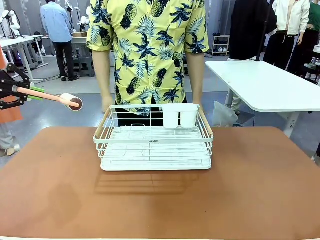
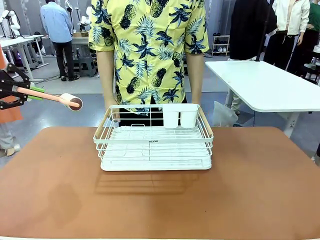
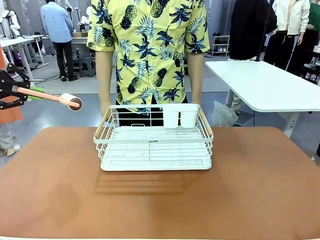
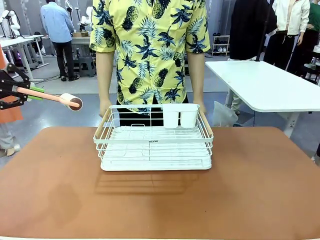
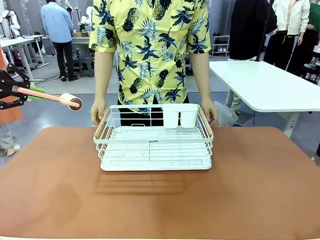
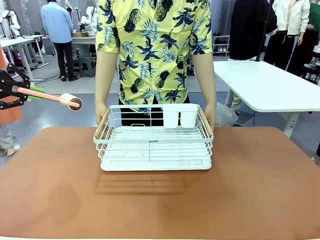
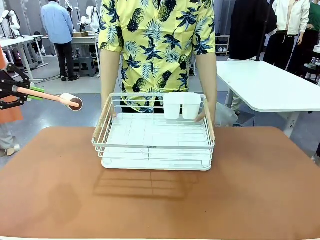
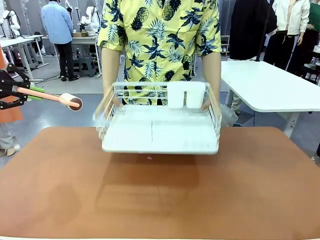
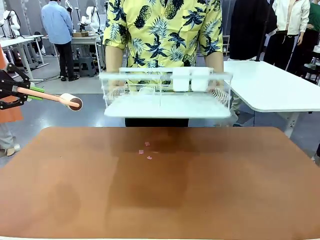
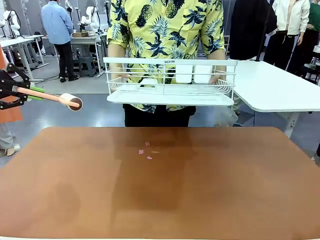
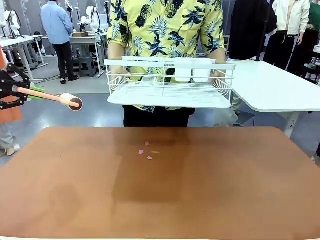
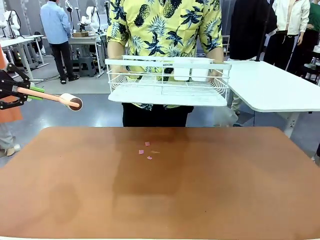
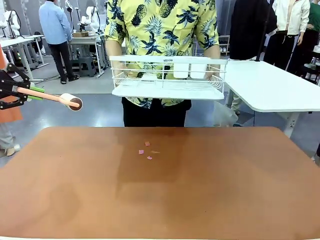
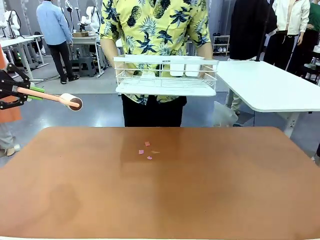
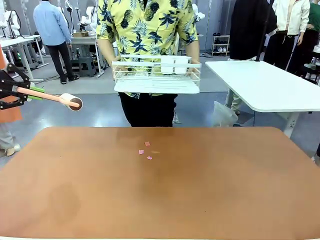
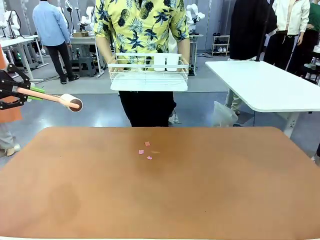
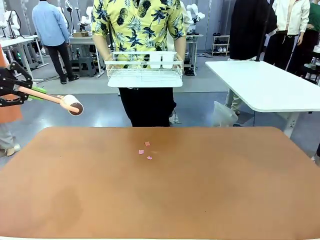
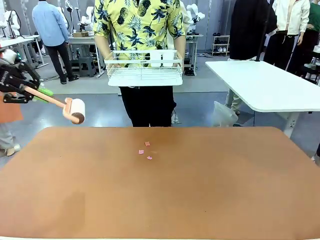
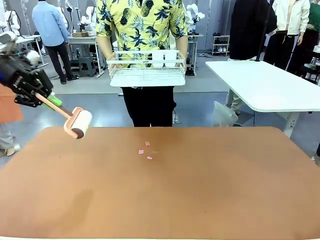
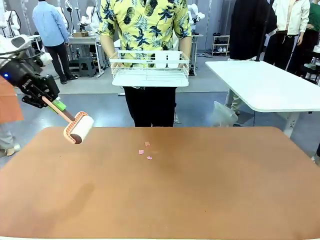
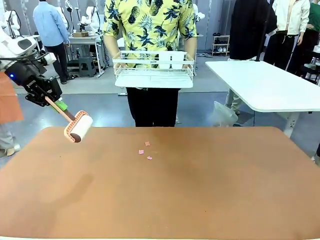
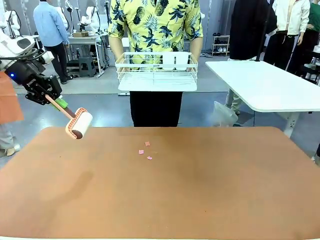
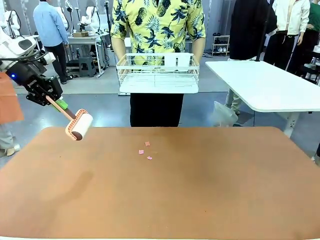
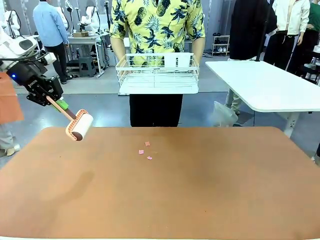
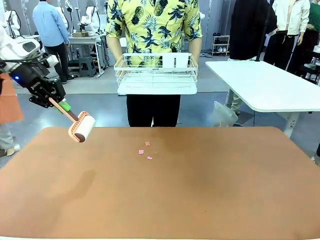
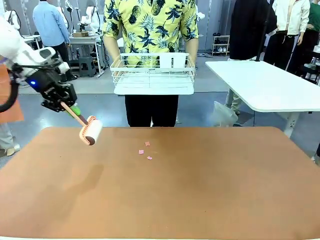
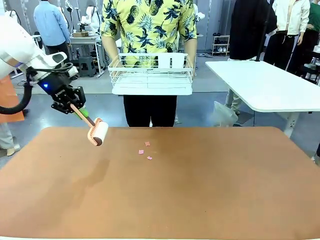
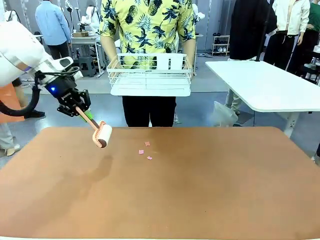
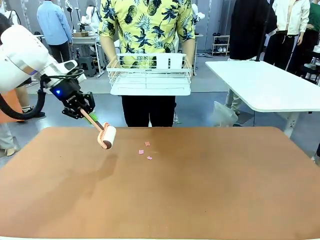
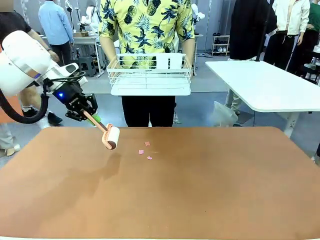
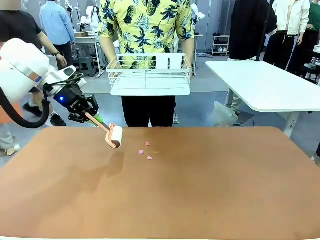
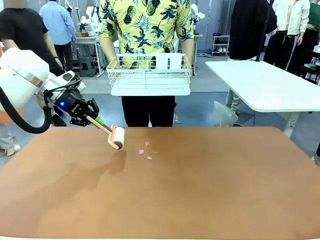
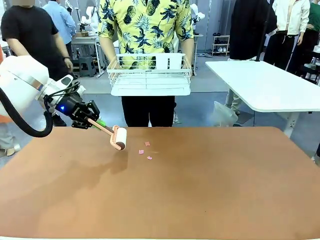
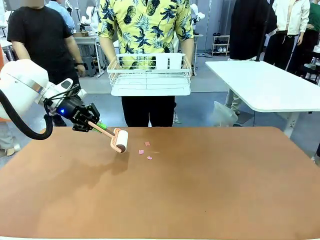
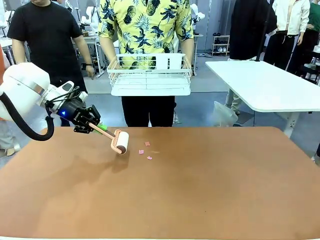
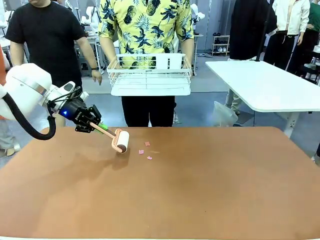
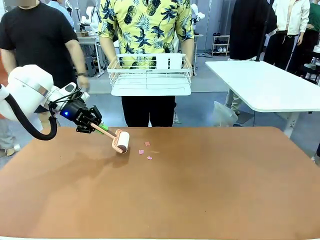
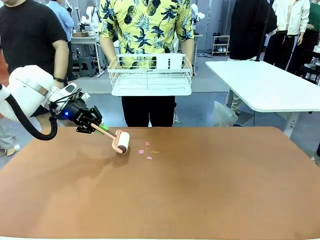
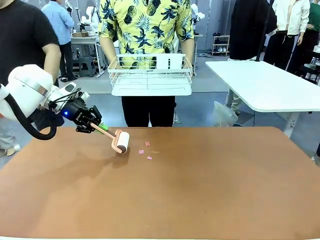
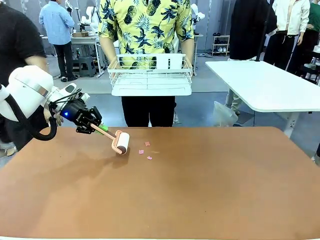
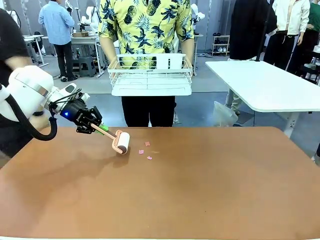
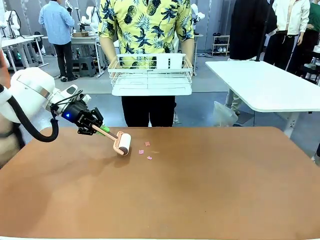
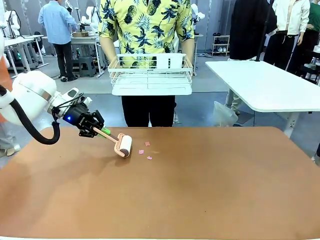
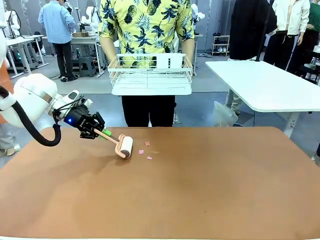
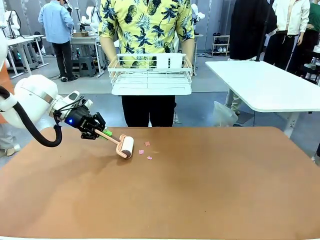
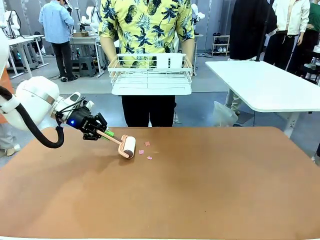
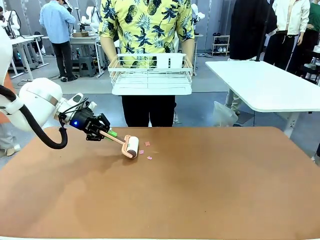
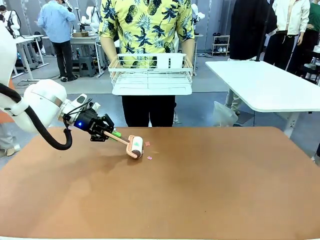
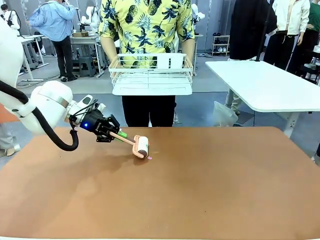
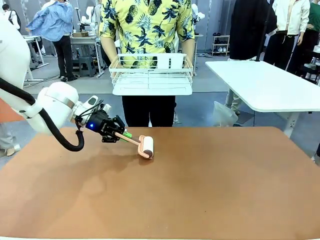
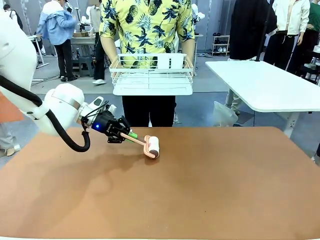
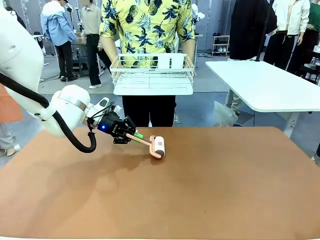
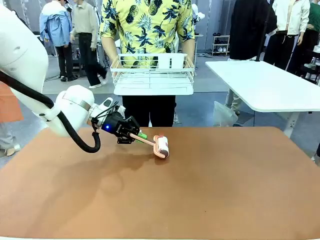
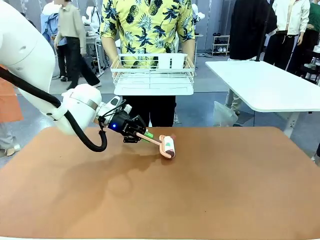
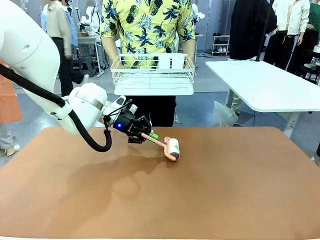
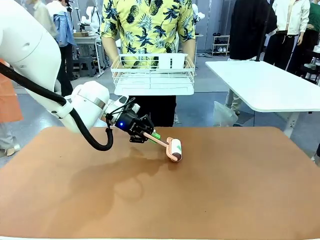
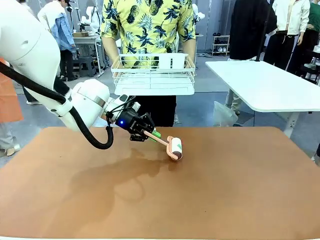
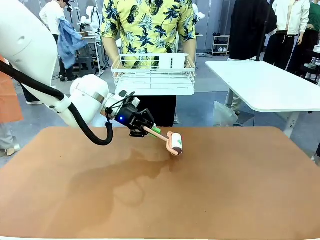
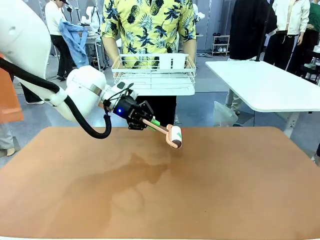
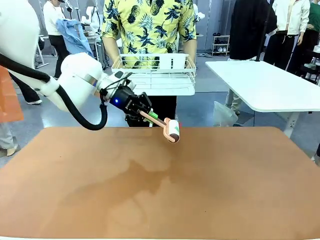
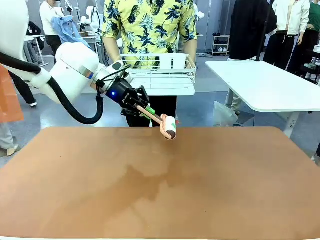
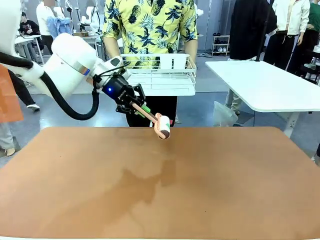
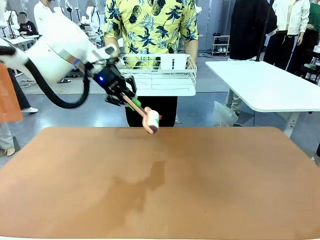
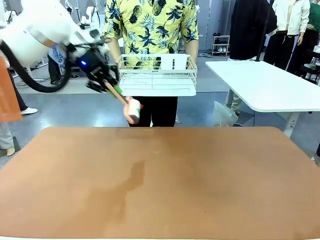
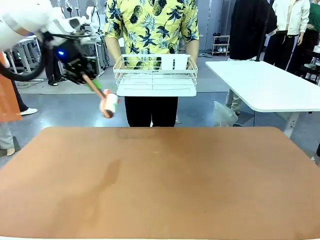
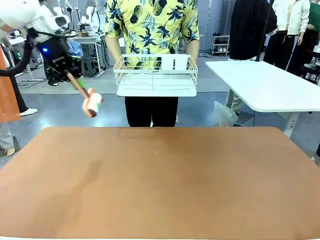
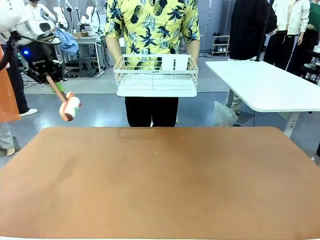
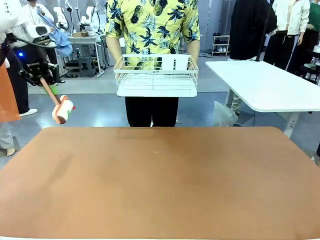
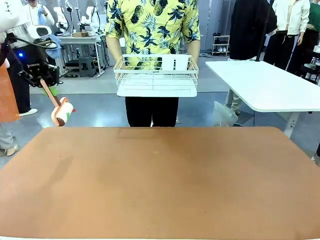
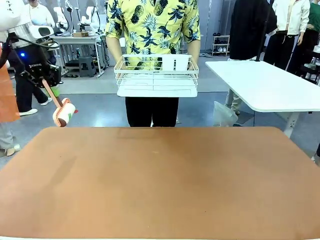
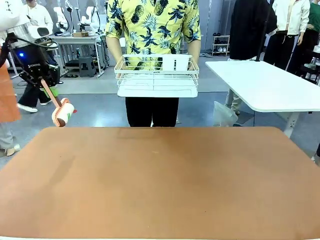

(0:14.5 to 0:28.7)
Task: Clean the table.
Robot: Clean the table with the Lint Roller when the human lifts the Dish drying rack.
Person: Place the Dish drying rack down when the robot finishes cleaning.
